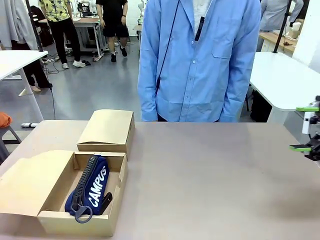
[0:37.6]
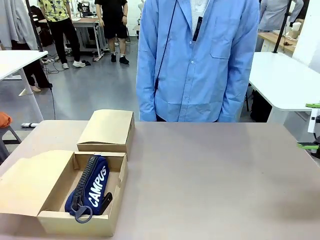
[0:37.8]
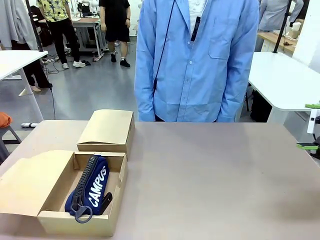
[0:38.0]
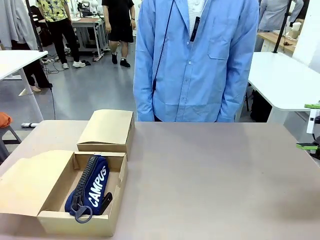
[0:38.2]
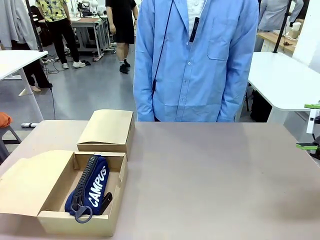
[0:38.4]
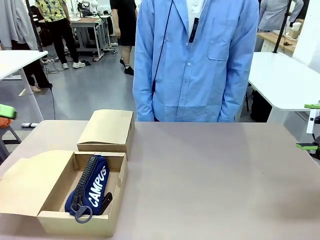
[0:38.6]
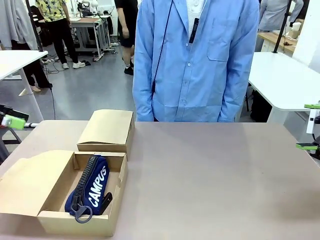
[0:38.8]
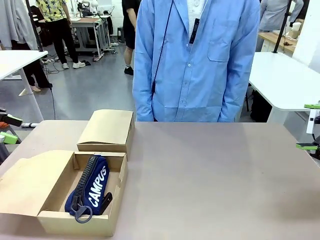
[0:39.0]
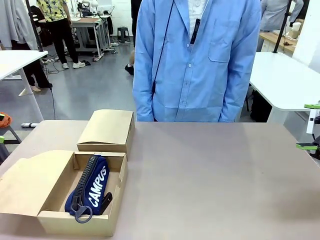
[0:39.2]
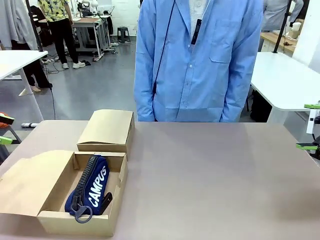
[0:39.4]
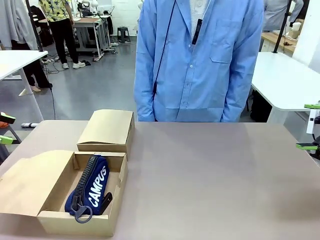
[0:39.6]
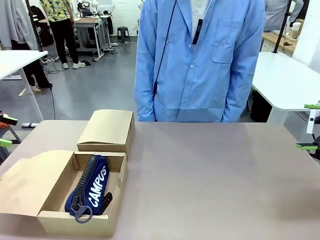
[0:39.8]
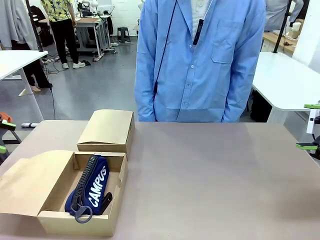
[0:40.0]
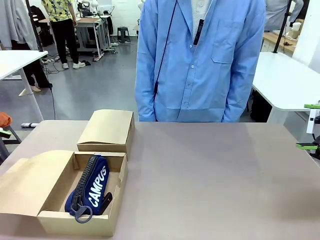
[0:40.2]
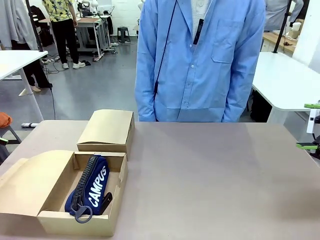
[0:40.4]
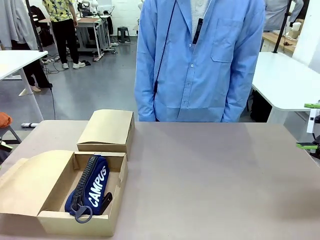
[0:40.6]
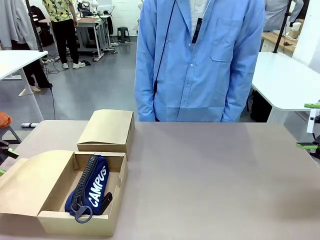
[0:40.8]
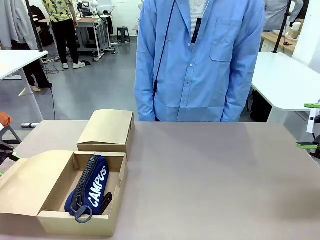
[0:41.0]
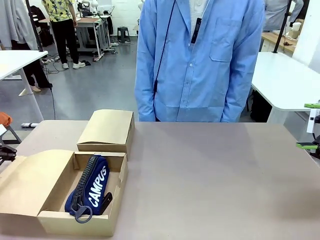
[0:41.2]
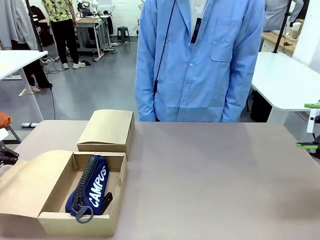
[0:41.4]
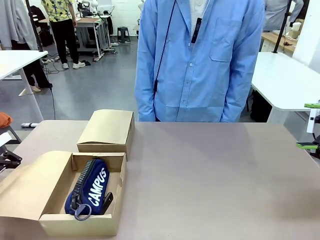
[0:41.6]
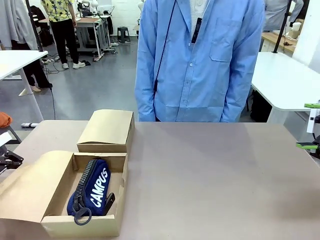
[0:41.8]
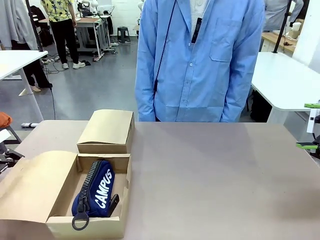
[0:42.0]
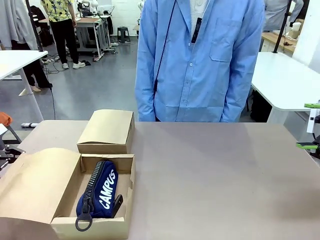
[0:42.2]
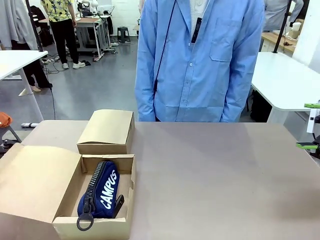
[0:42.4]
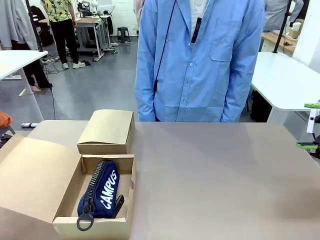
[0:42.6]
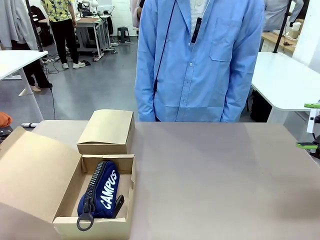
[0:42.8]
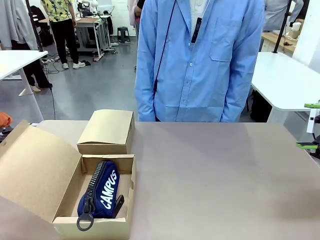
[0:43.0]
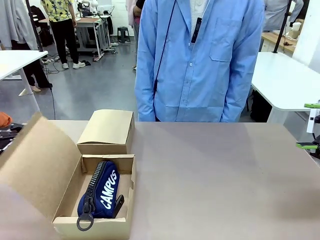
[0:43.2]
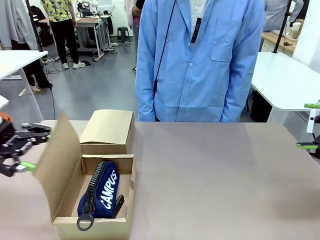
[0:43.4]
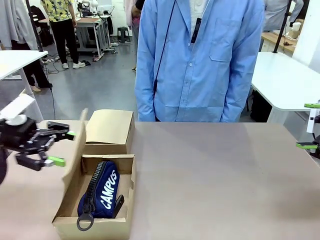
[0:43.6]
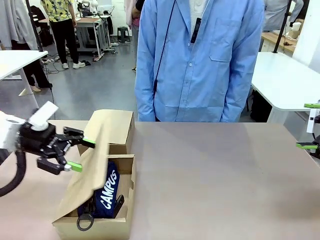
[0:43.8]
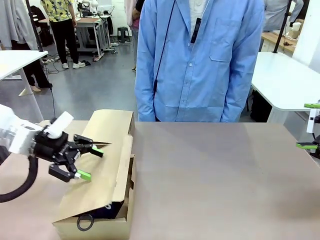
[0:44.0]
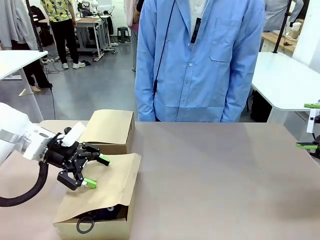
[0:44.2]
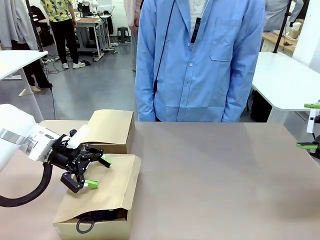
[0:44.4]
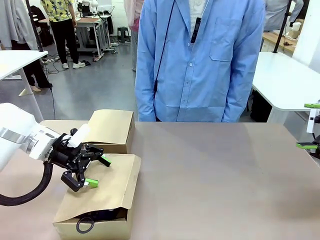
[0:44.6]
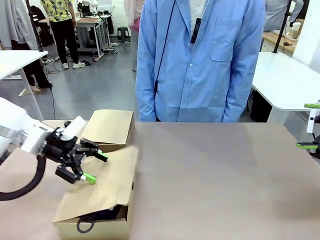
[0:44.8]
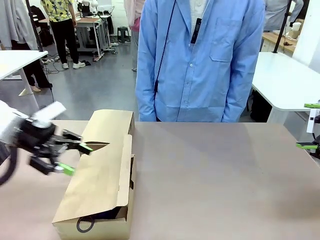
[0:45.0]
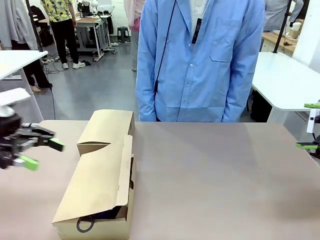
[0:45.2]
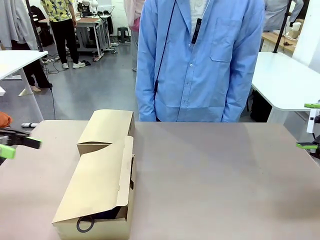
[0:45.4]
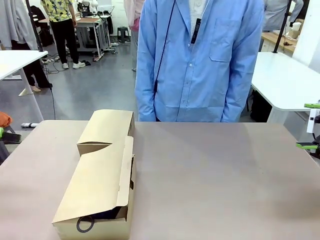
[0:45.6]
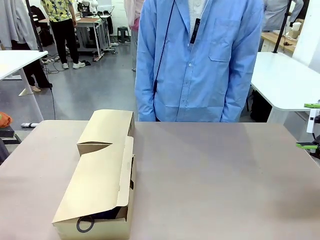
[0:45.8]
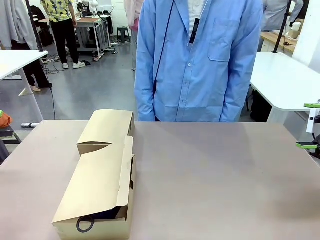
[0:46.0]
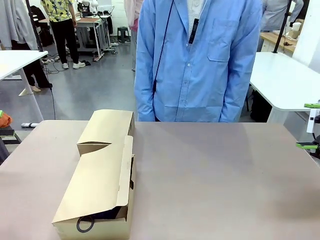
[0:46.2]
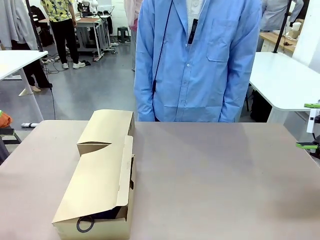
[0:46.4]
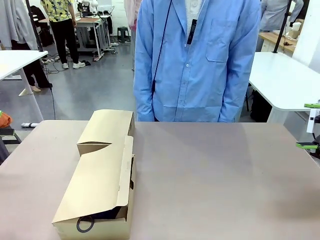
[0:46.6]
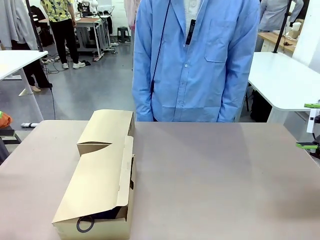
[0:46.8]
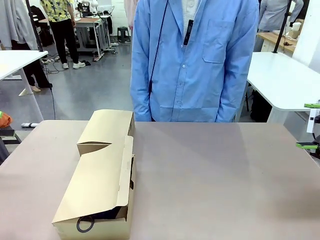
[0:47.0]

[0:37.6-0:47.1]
Task: Place items inside the box.
Robot: Close the lid of the Mailer Box closest to the robot.

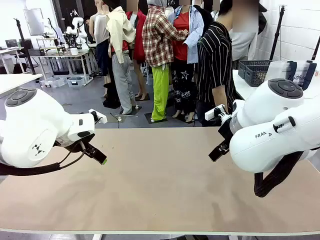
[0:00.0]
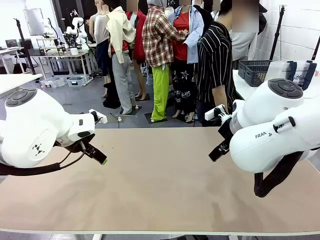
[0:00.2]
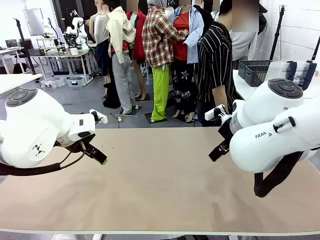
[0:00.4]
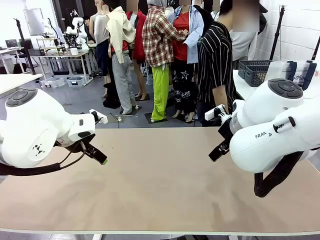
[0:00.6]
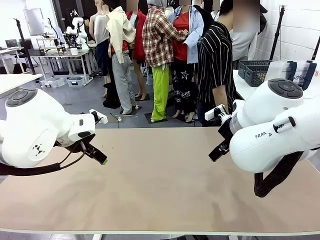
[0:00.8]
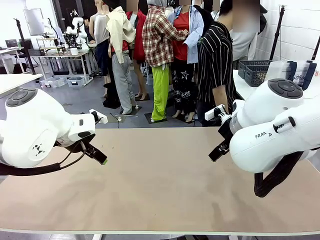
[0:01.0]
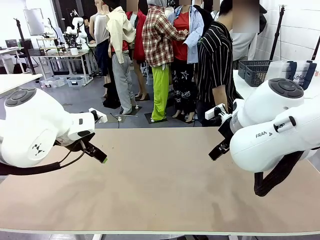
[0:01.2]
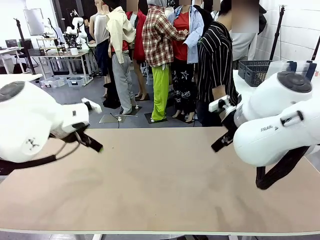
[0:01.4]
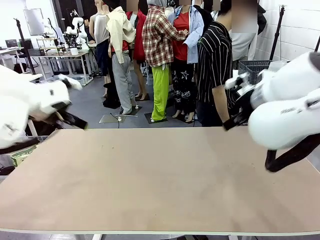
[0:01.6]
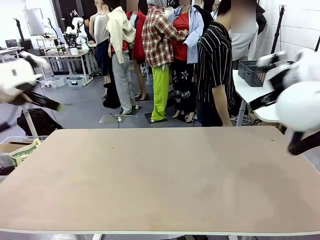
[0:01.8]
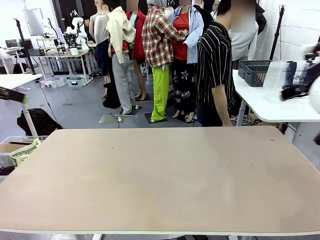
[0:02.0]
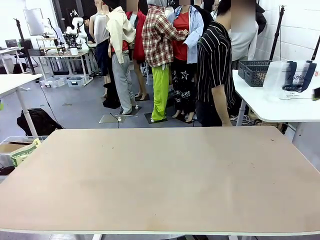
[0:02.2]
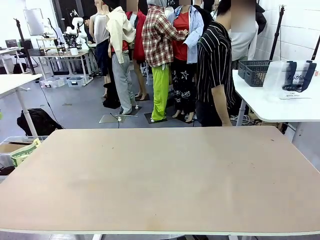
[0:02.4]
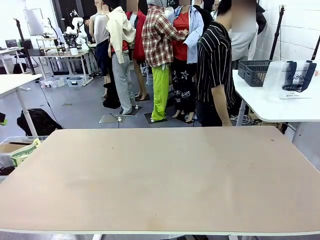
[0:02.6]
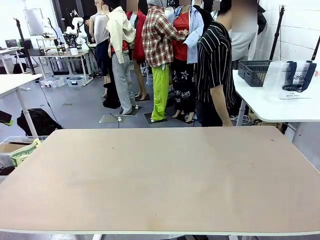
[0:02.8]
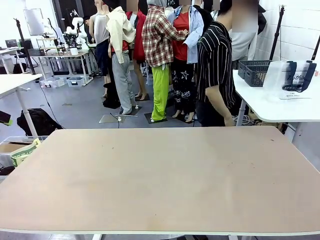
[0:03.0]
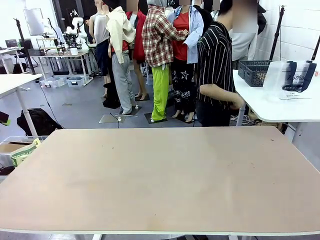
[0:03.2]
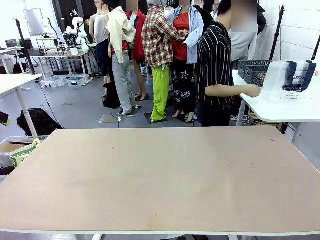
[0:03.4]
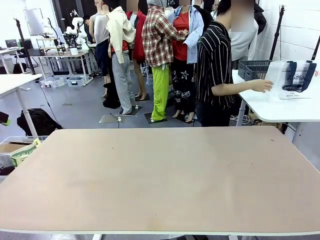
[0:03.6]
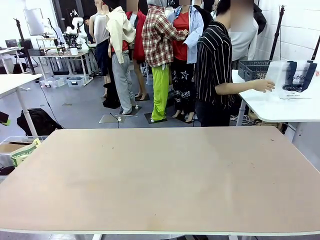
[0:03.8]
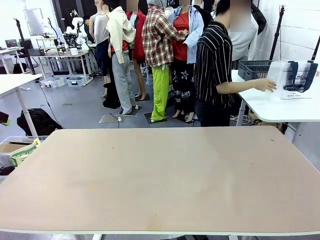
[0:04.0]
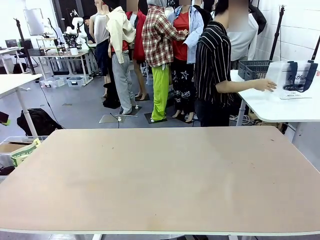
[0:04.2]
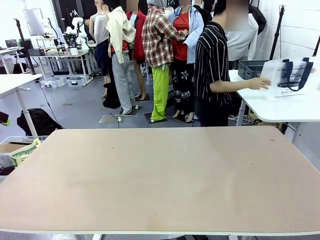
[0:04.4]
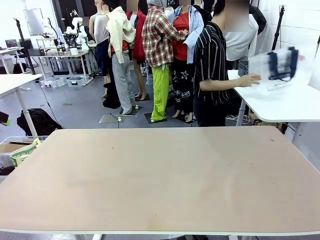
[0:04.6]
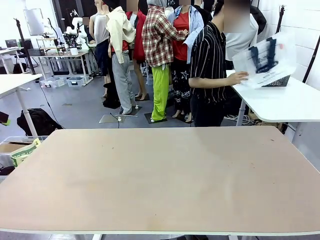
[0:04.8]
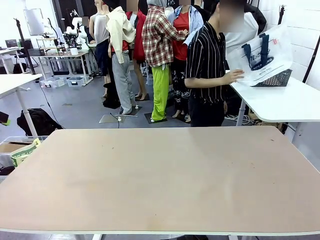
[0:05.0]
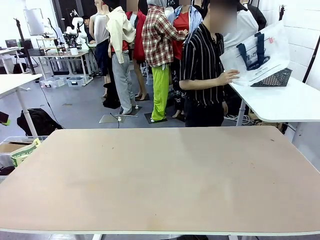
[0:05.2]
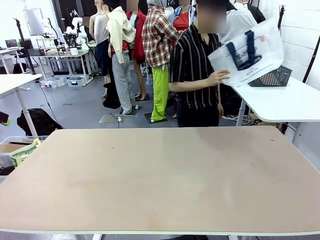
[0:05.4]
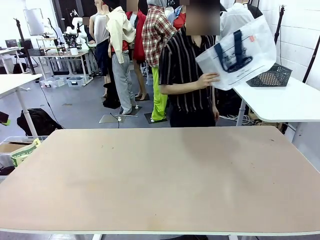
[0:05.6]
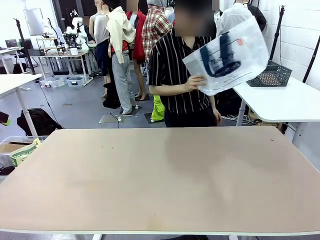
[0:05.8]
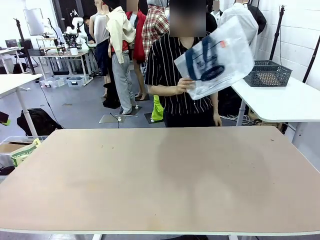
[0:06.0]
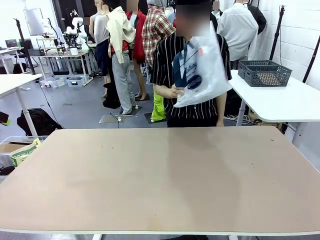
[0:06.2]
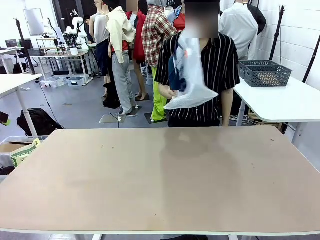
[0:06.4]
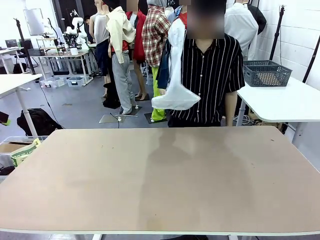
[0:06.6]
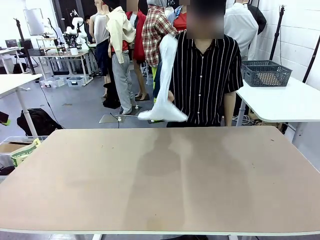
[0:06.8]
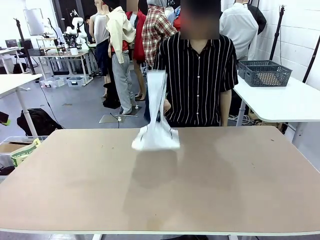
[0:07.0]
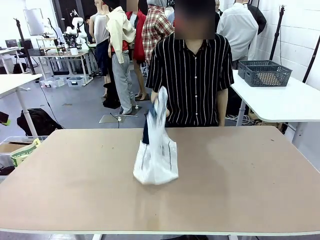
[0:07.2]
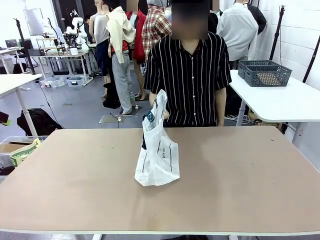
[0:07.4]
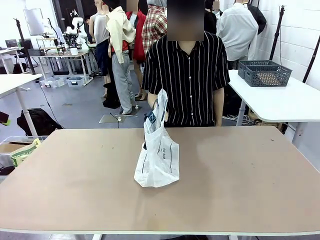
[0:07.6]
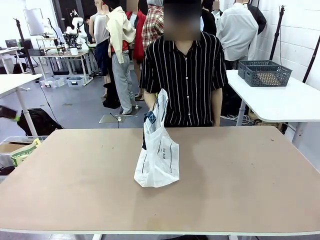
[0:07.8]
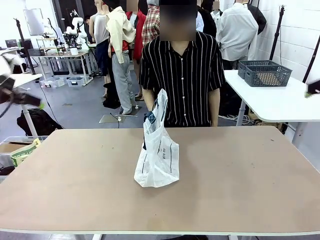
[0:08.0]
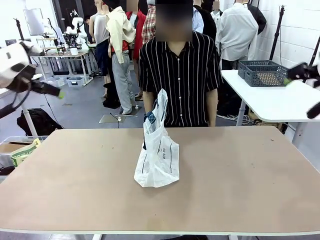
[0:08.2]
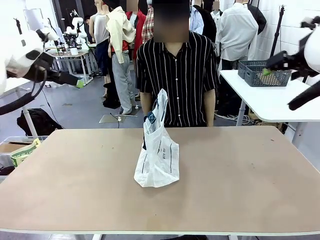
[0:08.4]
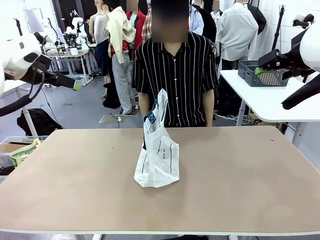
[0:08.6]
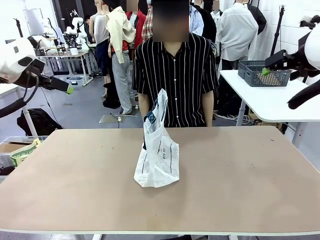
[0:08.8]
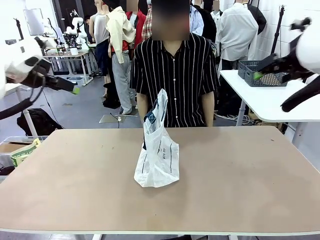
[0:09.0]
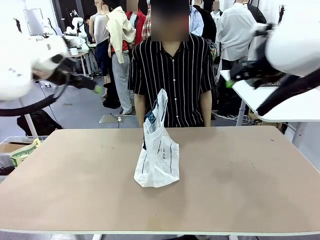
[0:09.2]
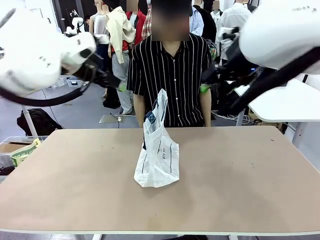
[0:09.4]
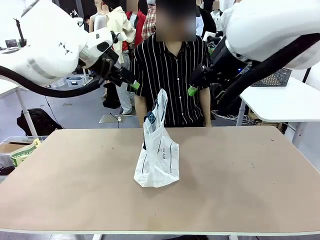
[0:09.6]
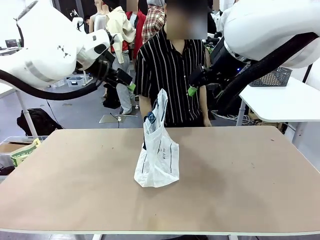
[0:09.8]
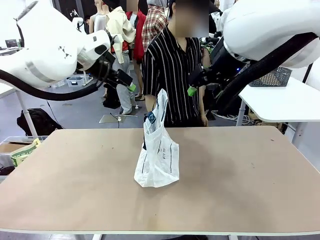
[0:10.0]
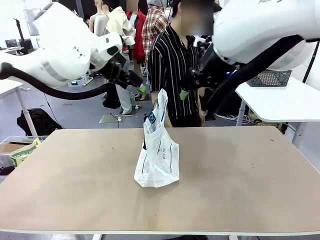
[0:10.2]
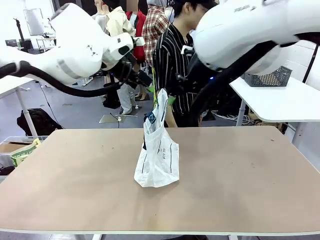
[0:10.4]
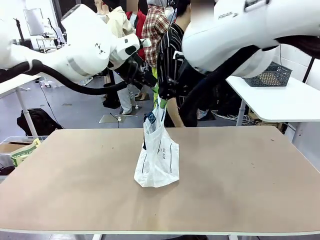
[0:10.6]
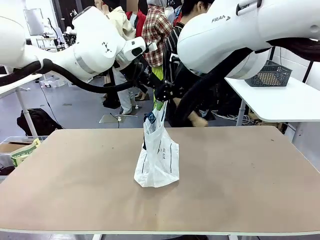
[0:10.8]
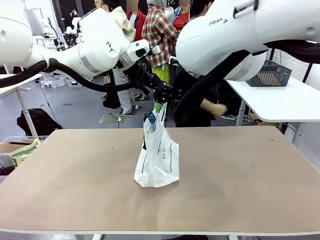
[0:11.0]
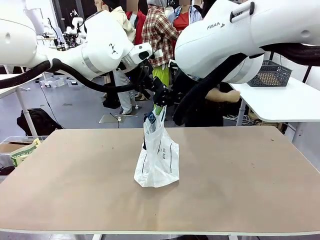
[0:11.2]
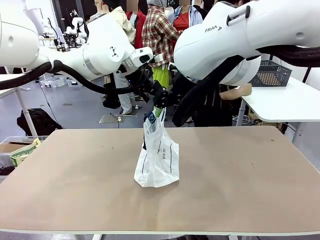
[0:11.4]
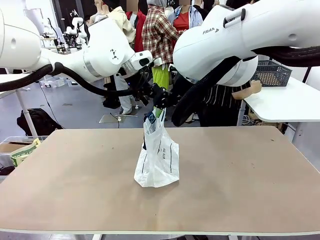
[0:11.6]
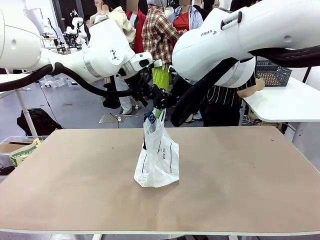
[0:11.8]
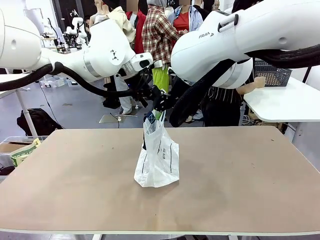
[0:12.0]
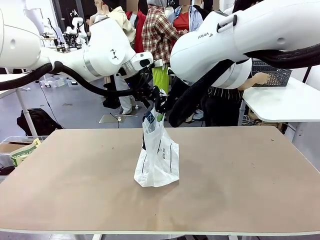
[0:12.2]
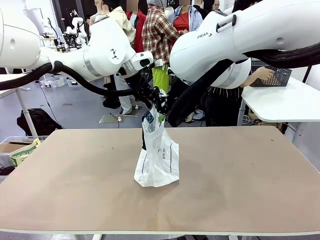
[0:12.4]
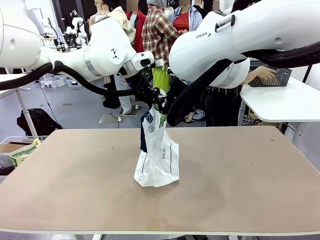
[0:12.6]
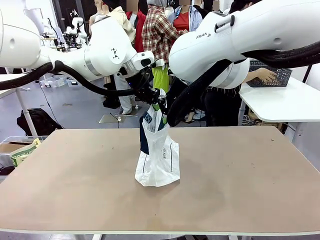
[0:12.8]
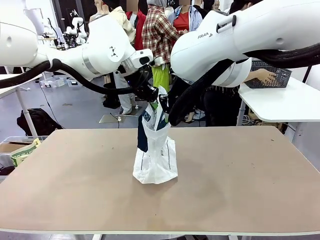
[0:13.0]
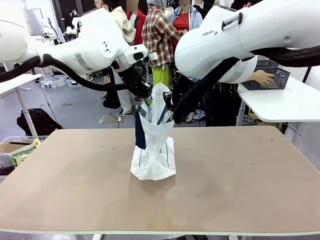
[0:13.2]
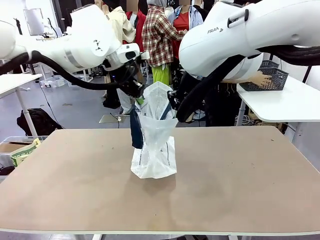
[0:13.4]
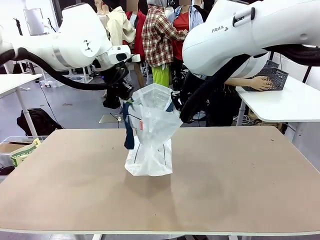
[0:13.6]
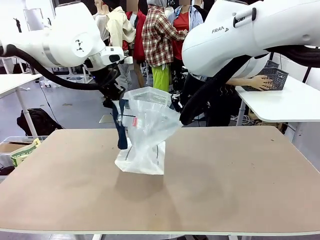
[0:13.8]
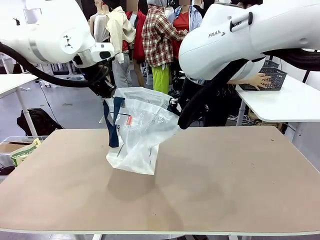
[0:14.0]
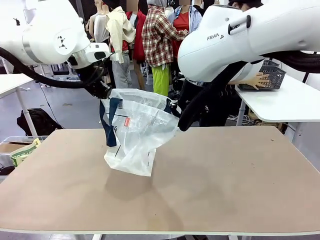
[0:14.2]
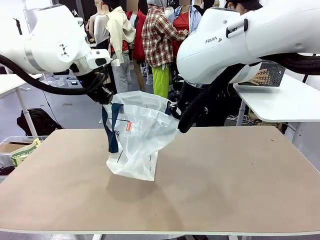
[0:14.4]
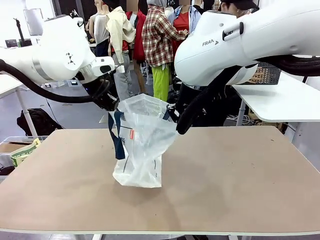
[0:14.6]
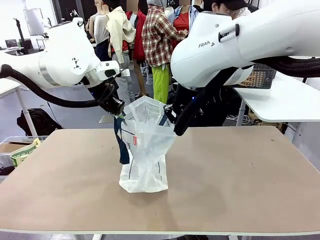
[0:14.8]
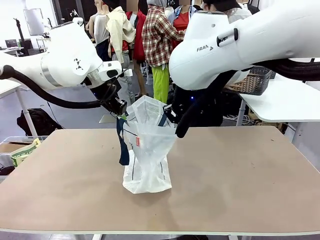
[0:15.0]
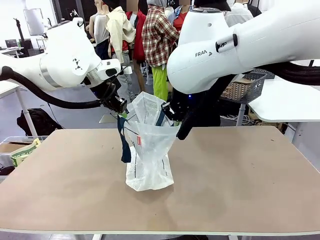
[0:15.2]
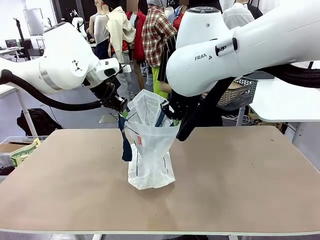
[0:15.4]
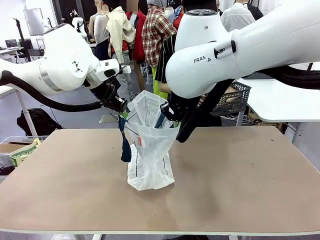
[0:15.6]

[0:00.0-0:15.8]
Task: Transfer purchased items from the store into the shopping bag.
Robot: Open the Reusable shopping bag in the center of the table.
Person: Pick up the shopping bag and place it in the middle of the robot table. Pick up the basket on the right, place it on the left side of the robot table, and move the items in the basket to the shopping bag.
